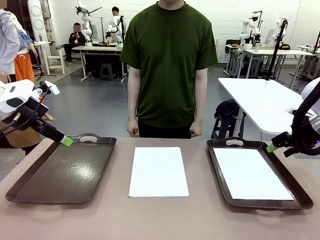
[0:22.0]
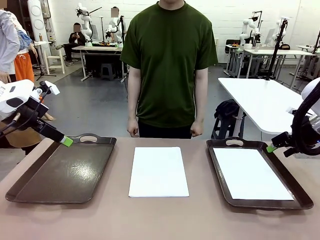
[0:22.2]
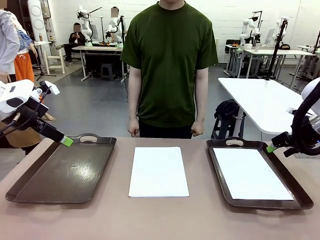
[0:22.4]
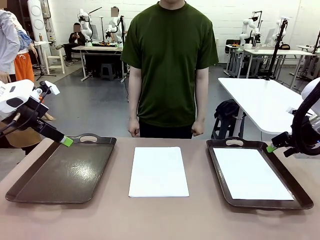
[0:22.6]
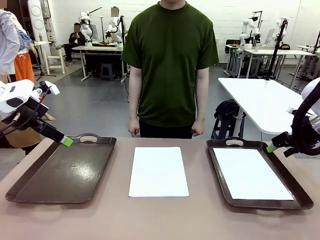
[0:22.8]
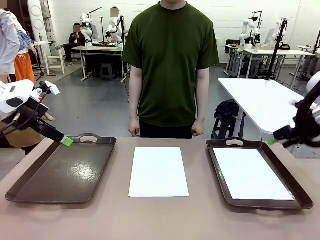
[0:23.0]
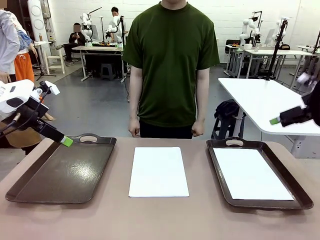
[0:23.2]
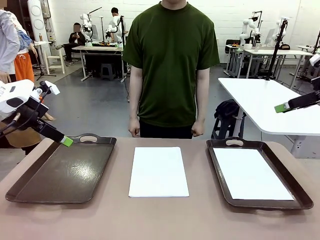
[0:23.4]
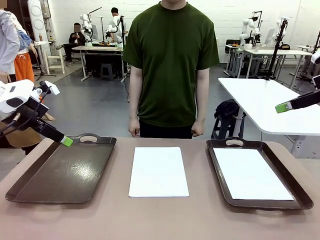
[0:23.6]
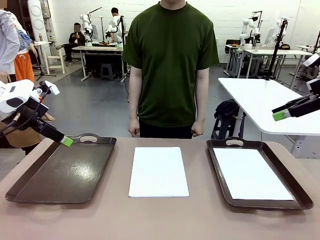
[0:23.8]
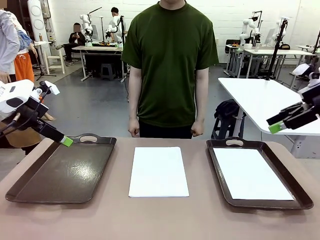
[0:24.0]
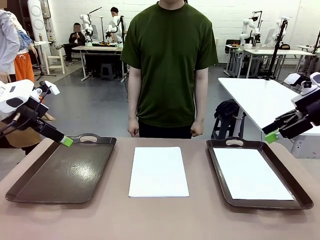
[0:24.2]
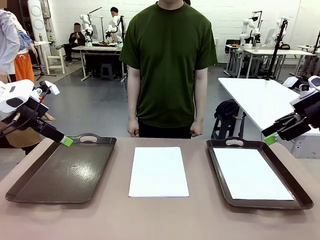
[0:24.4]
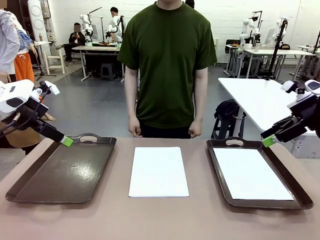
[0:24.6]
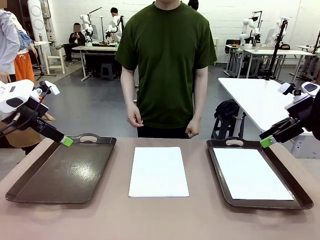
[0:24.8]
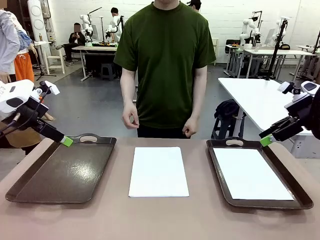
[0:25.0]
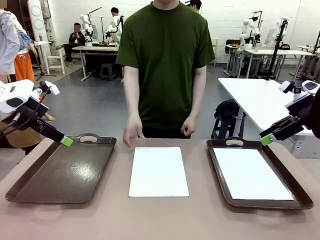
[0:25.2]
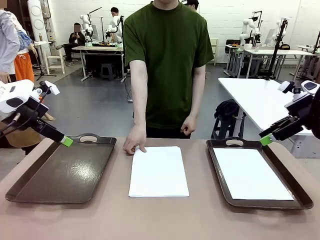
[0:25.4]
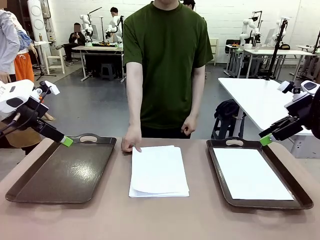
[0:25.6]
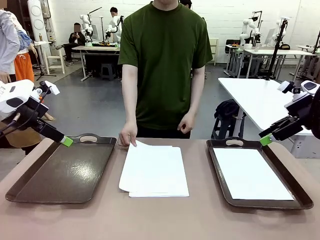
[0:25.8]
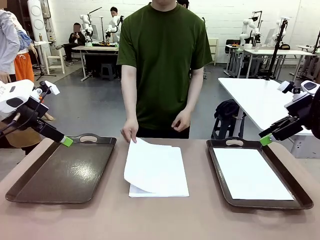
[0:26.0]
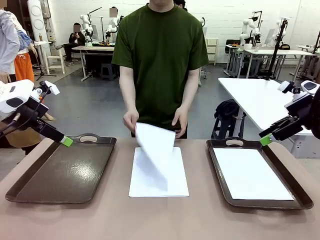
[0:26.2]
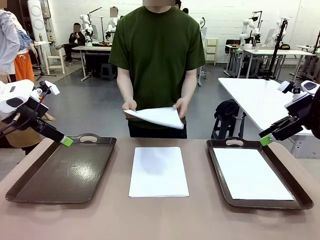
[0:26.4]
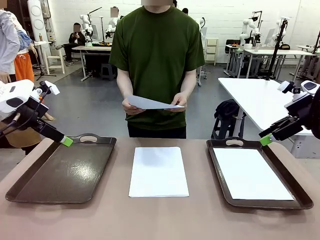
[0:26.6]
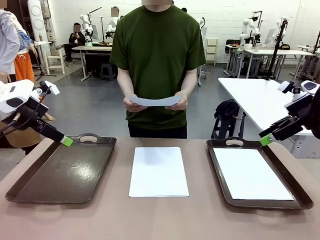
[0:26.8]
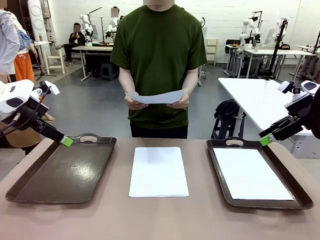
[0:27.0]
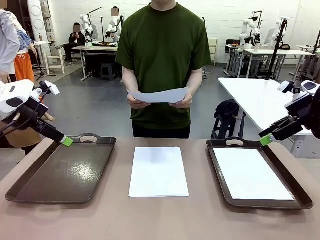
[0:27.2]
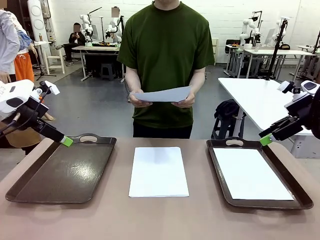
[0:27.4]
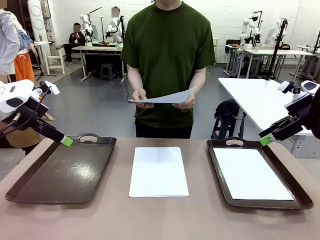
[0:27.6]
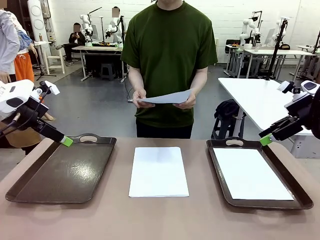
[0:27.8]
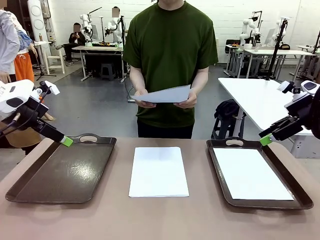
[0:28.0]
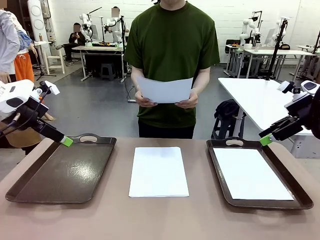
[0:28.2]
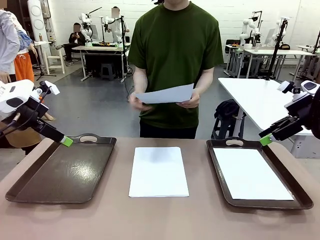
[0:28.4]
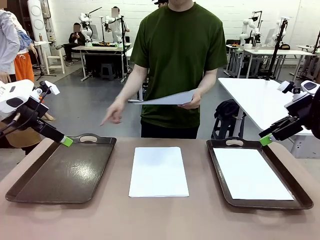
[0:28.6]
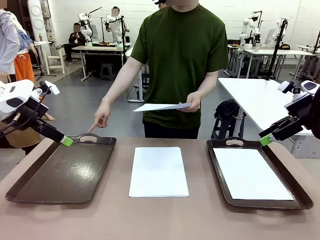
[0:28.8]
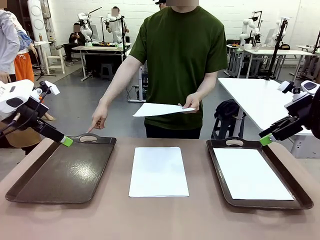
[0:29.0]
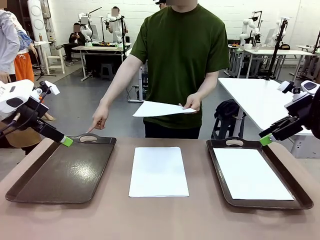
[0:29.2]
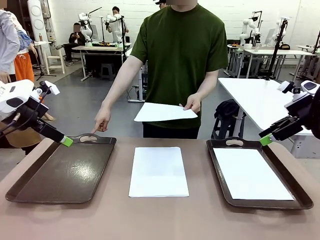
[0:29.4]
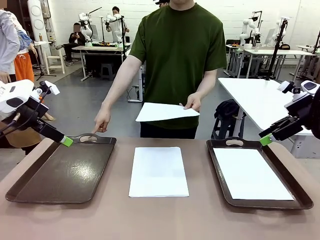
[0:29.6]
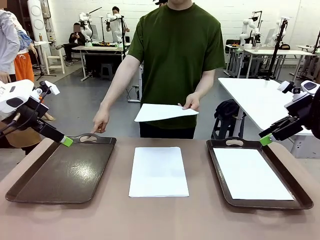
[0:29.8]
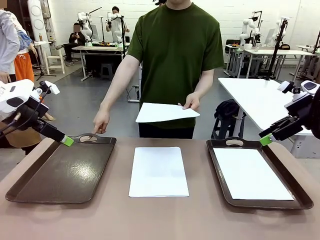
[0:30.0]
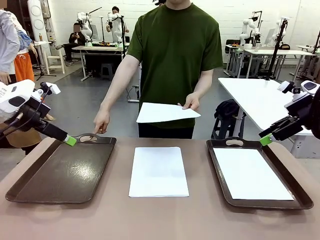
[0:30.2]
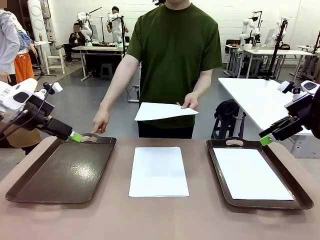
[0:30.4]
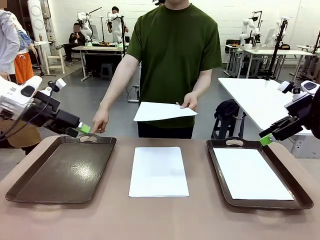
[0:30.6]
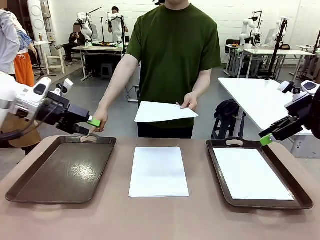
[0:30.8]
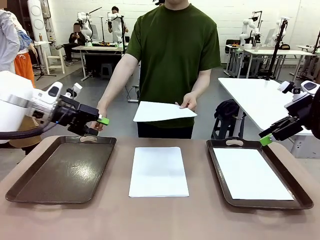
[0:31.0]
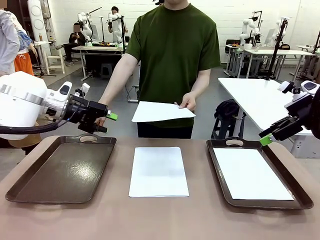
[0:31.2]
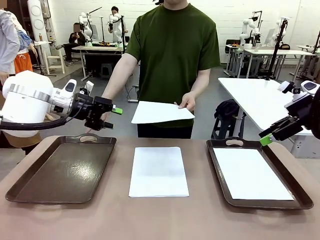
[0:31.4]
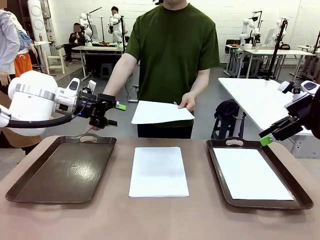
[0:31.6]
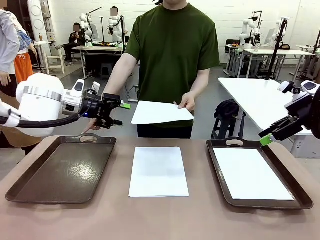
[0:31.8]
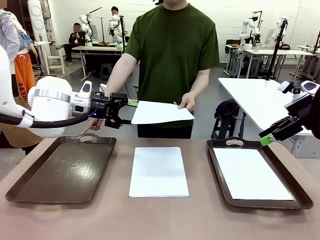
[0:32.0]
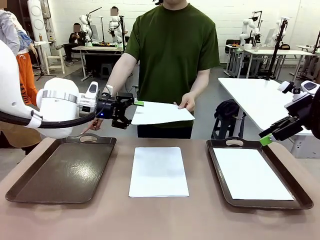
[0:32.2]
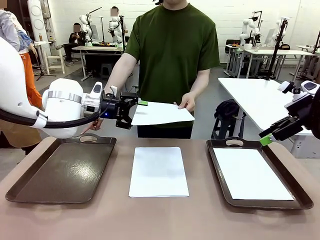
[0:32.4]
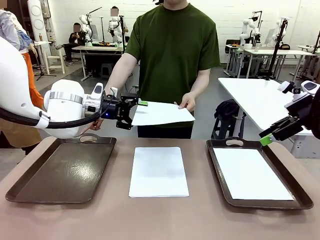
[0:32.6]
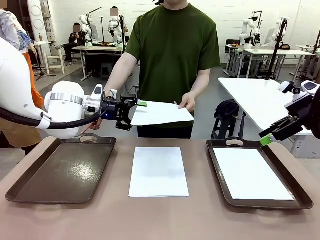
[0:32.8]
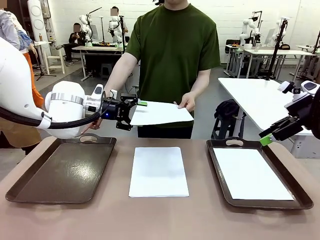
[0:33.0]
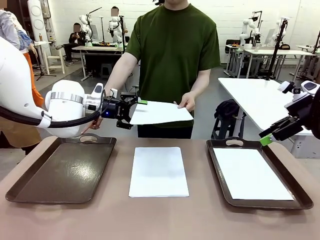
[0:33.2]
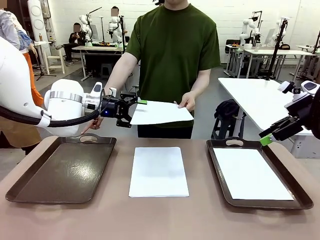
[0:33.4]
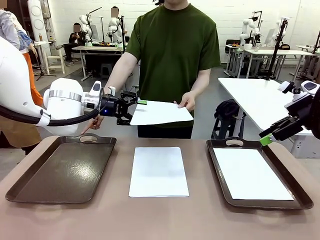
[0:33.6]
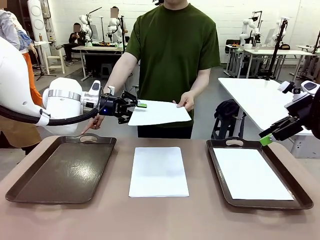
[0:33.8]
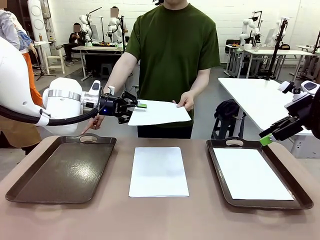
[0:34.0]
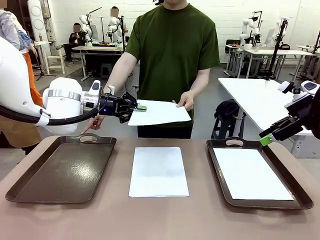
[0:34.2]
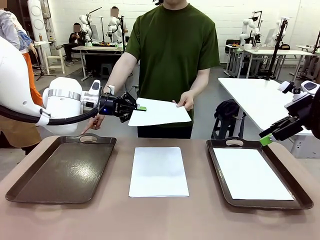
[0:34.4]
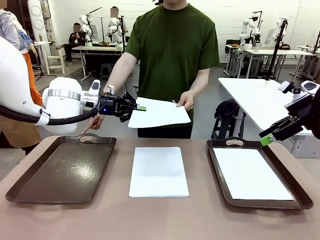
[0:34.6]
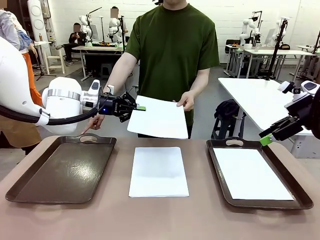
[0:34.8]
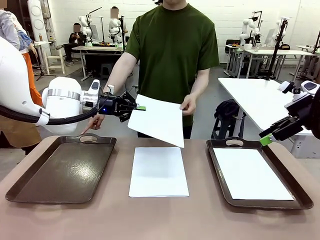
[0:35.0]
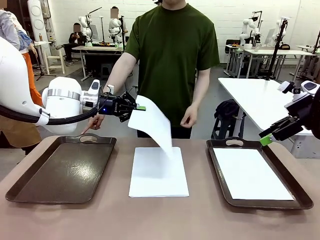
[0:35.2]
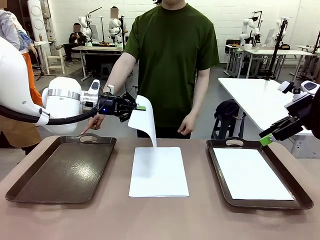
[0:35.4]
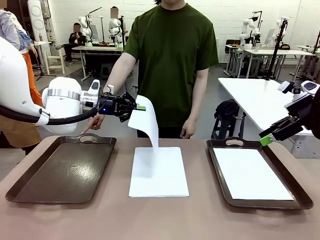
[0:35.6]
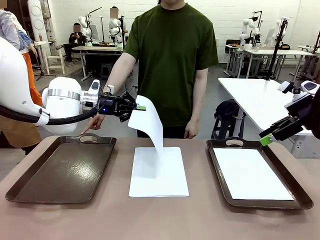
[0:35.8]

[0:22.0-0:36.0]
Task: Sort the A4 documents.
Robot: Receive the A4 Paper.
Person: Point the randomly selected tray with the other hand.

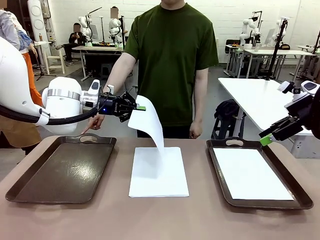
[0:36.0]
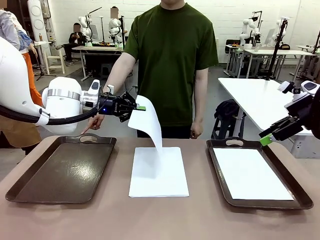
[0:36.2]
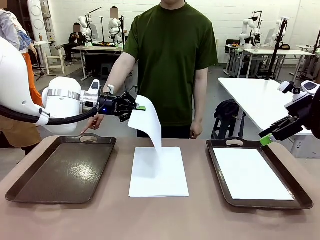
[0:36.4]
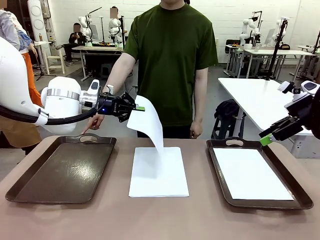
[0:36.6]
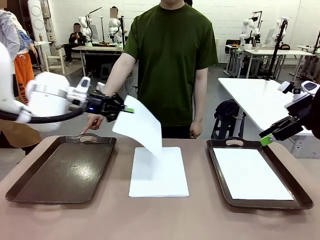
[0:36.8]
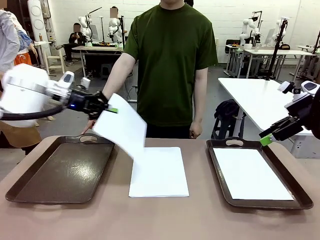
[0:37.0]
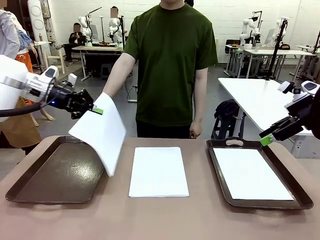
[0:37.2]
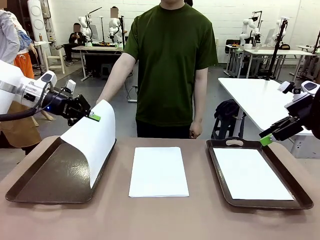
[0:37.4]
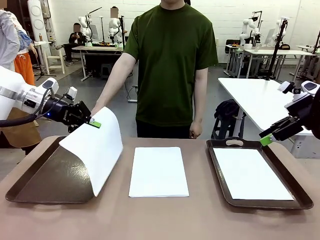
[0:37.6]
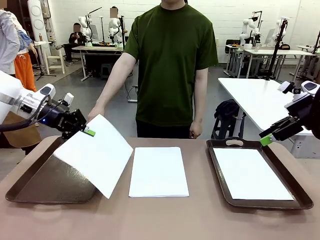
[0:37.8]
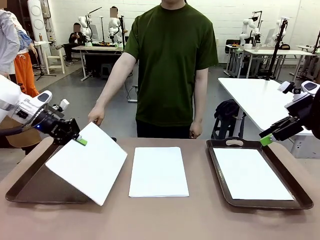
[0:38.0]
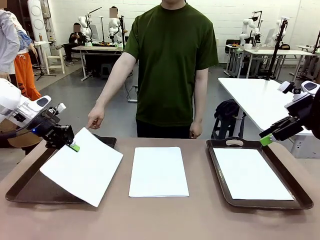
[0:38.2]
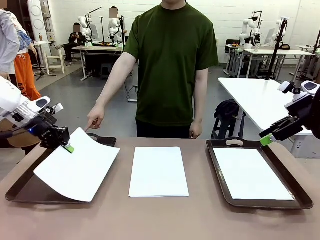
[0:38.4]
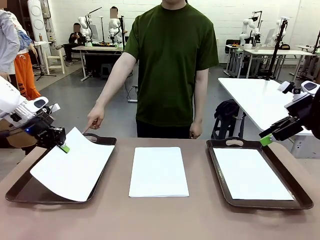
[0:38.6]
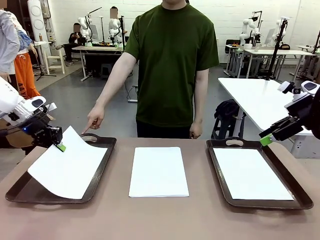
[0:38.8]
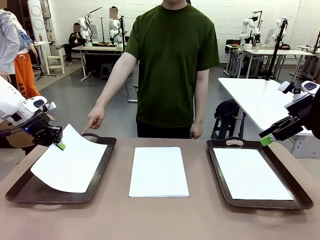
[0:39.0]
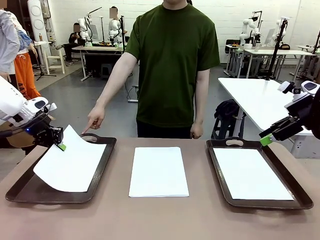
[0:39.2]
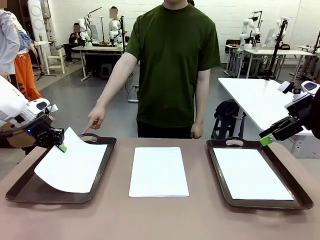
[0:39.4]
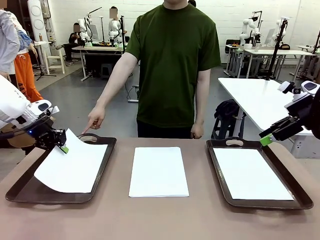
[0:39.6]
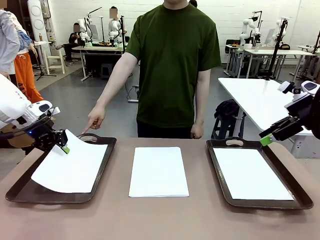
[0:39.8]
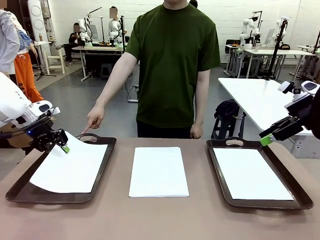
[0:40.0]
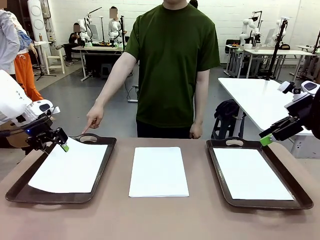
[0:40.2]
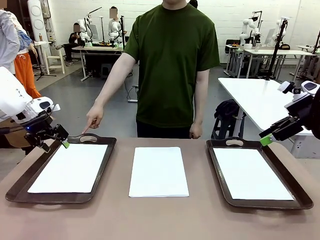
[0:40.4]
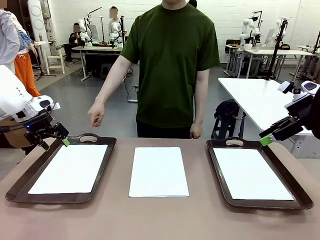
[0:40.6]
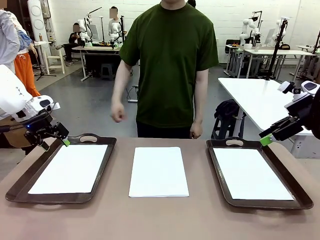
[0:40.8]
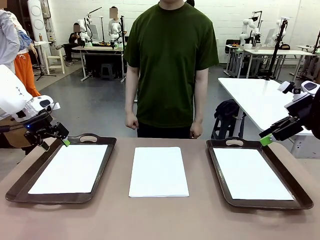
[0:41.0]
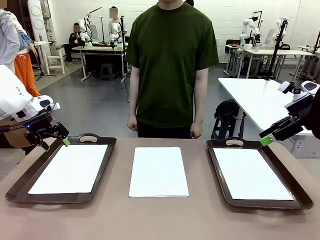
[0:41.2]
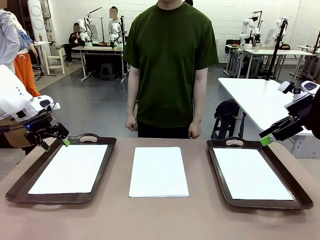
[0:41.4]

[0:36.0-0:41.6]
Robot: Place the A4 Paper in the designated Handle tray.
